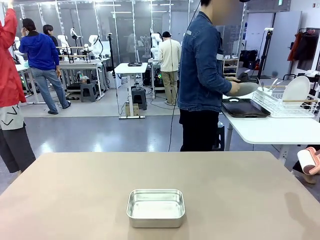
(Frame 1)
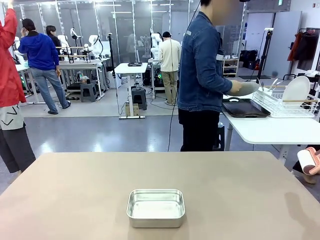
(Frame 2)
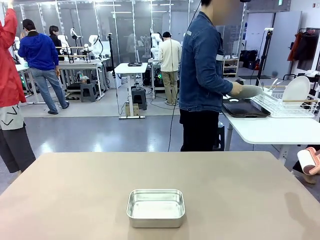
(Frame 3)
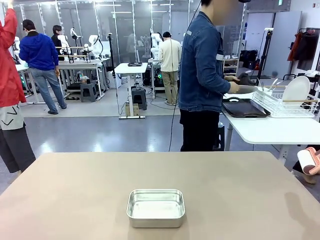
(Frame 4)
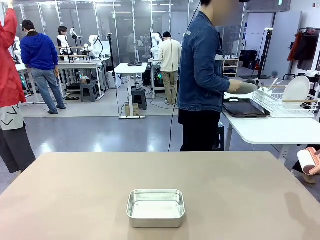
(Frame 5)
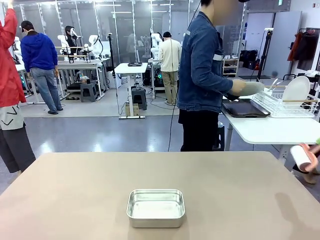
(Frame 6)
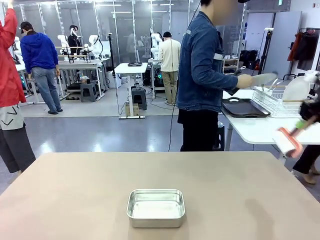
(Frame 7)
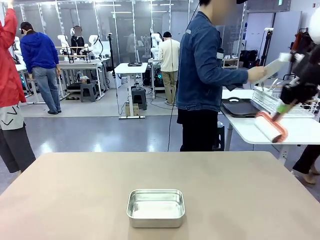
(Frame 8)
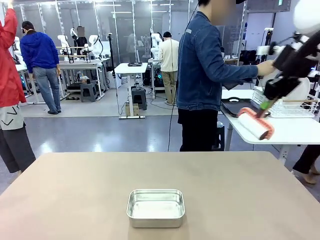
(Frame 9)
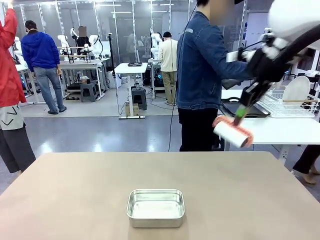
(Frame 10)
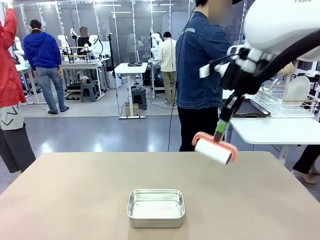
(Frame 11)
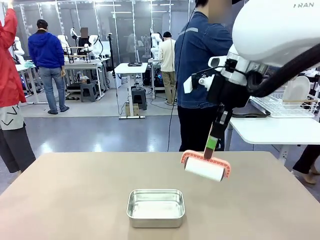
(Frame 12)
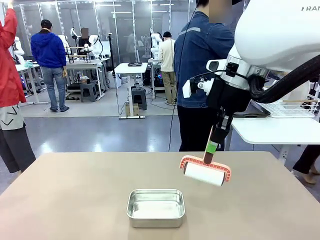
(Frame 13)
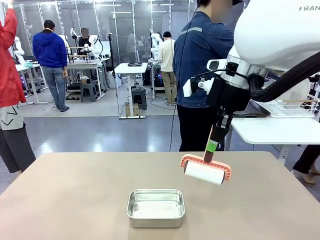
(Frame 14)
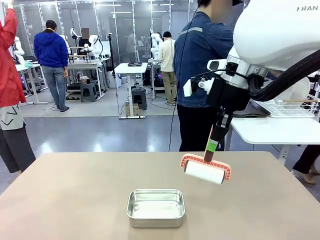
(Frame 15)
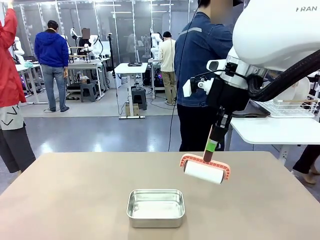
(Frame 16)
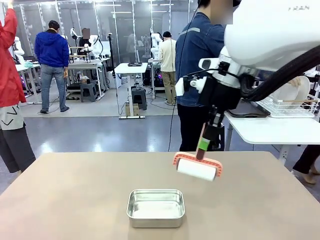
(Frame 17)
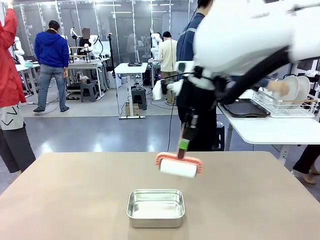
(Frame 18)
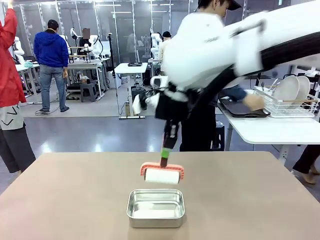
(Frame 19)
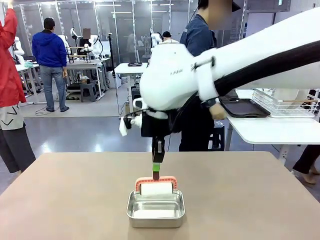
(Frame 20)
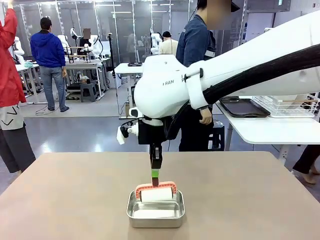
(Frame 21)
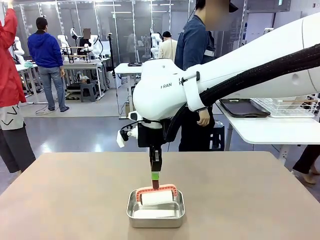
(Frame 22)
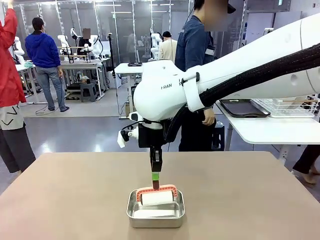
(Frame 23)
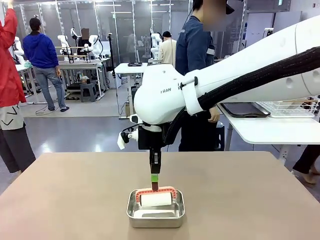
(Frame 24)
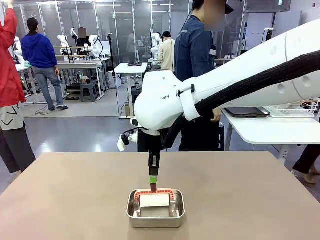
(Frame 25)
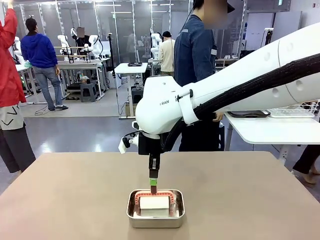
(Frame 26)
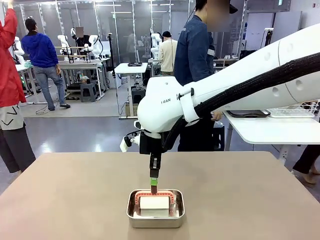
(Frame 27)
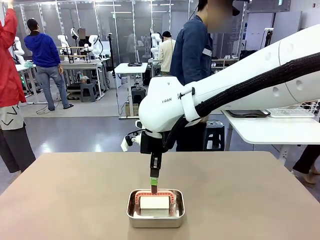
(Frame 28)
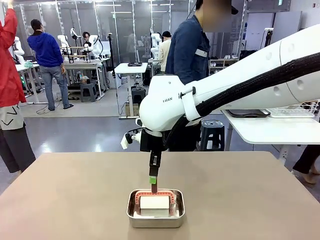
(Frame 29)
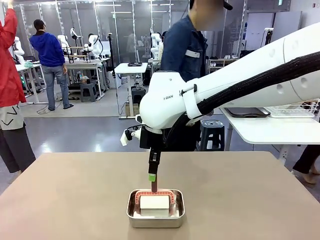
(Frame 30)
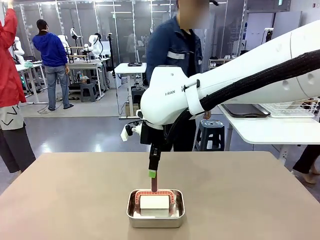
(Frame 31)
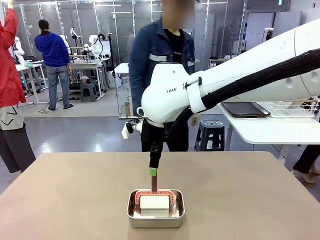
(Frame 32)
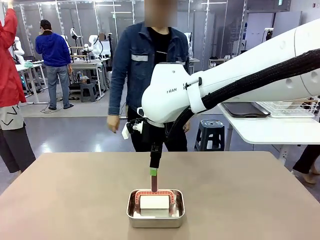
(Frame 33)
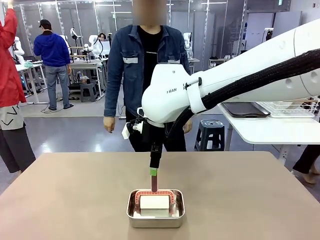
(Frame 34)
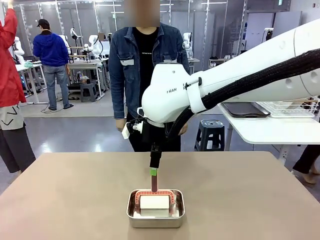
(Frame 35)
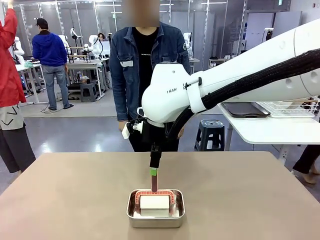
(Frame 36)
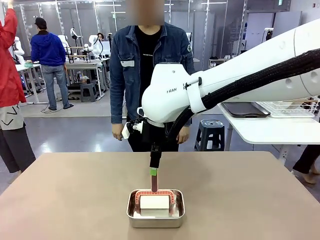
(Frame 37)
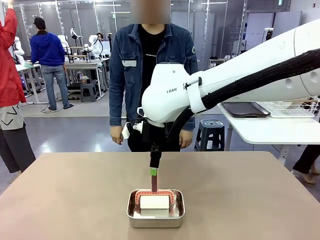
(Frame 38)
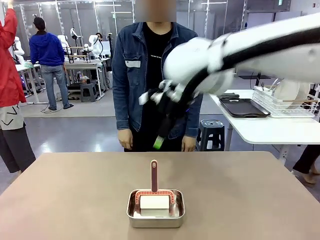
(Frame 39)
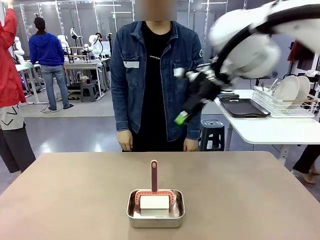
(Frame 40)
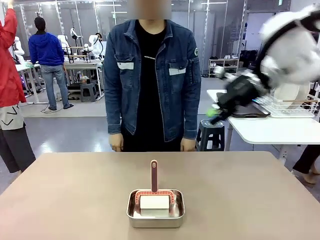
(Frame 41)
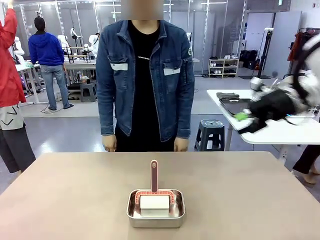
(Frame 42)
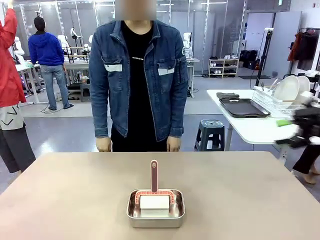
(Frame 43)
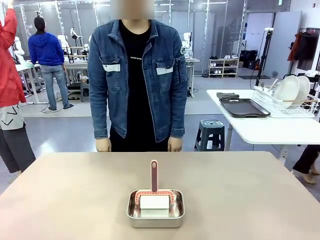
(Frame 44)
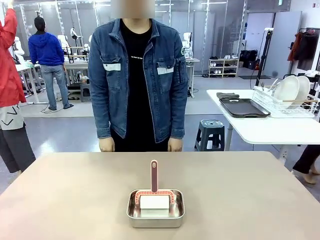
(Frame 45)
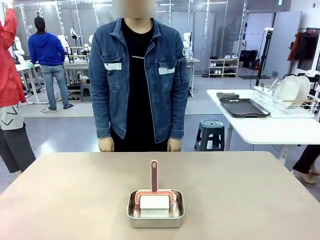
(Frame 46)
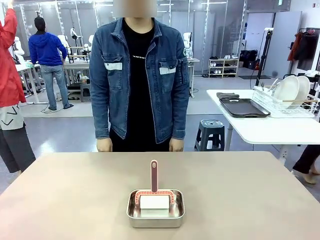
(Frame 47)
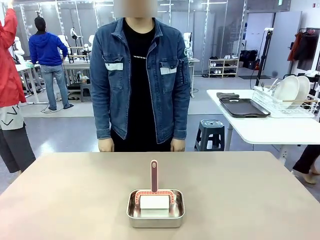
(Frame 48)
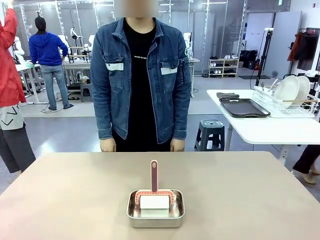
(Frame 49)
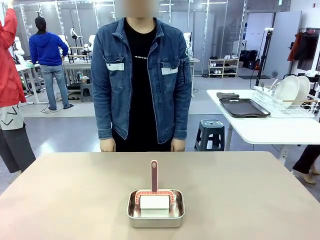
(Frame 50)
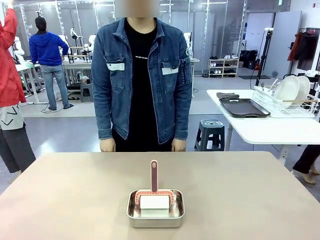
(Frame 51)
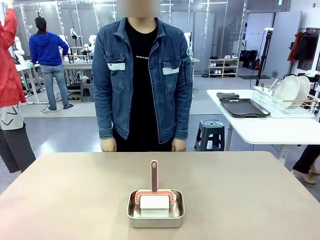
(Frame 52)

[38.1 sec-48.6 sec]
Robot: Place the Lint Roller back on top of the Airtight Container.

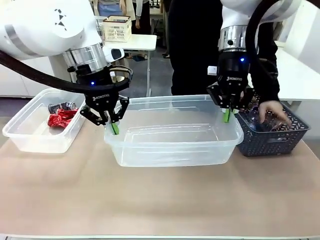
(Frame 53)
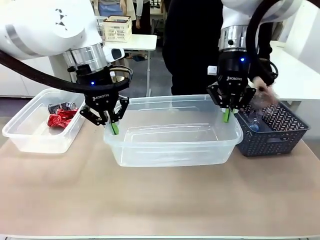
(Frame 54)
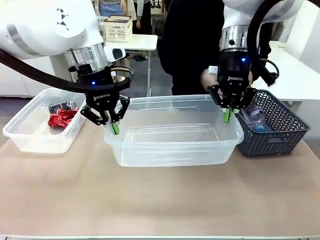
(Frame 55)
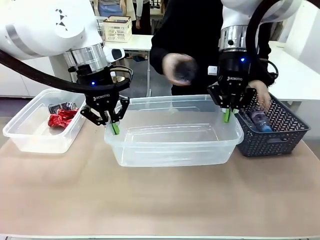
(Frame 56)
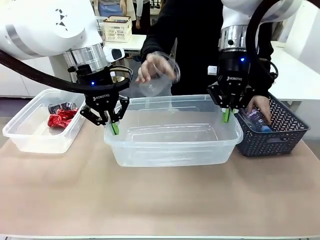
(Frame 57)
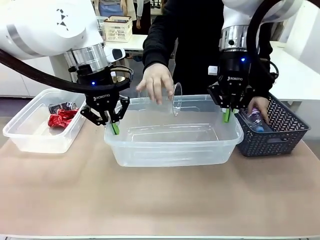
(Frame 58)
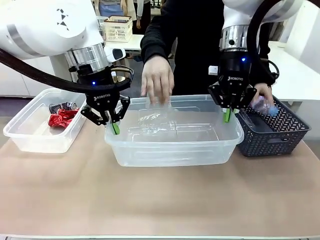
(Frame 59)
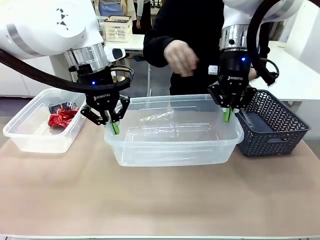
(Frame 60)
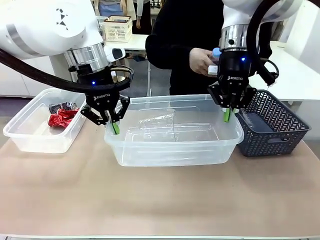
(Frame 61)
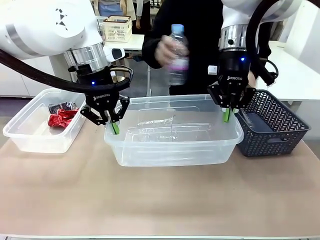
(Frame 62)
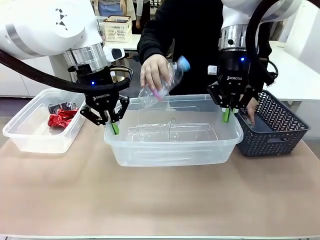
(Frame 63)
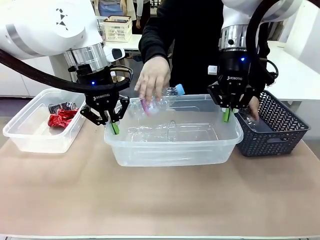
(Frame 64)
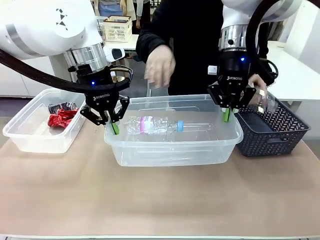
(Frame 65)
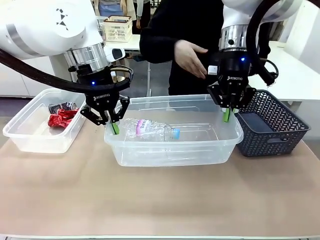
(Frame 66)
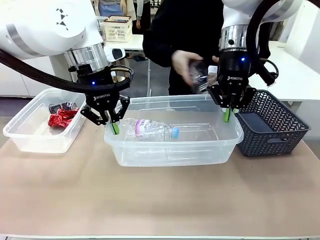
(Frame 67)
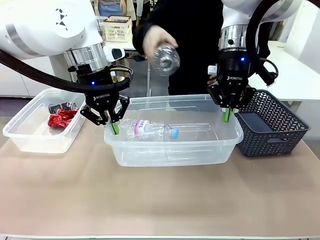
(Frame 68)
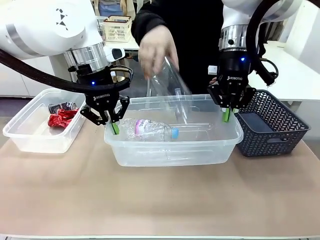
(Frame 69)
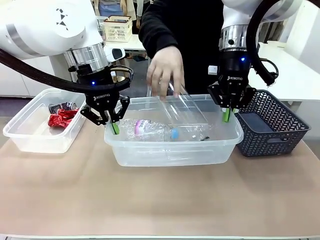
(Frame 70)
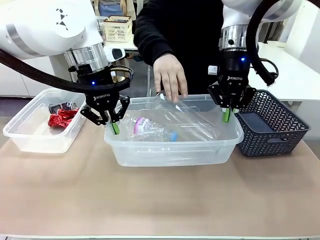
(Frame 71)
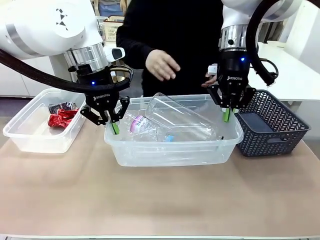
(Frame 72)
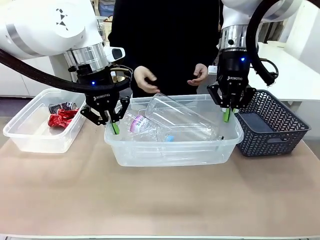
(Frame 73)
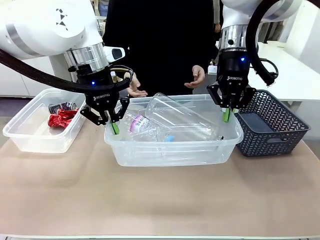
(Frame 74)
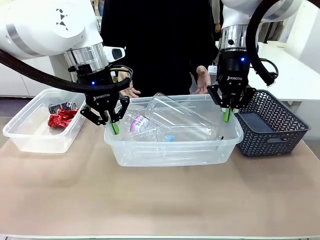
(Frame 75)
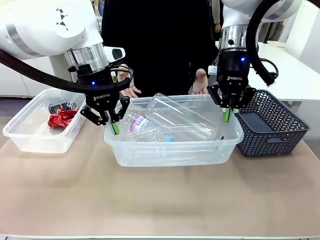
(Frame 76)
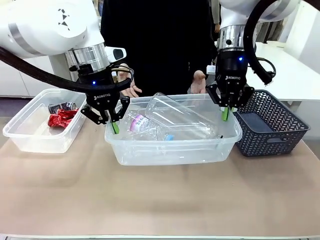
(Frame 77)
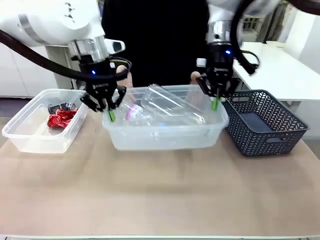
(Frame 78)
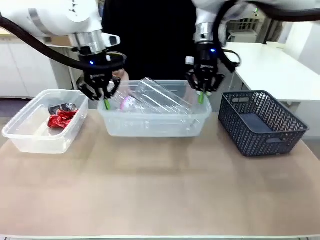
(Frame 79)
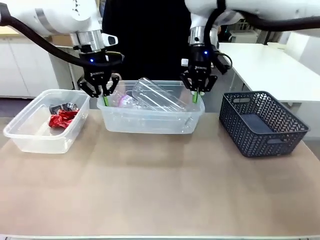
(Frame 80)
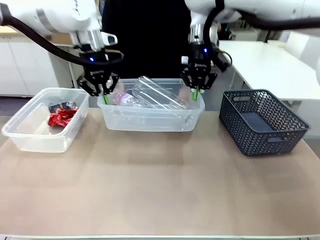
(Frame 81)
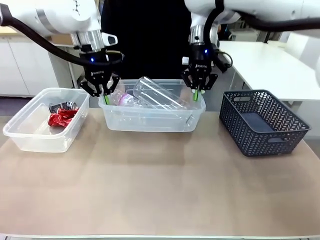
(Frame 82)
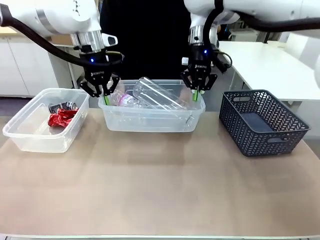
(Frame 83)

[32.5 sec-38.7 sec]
Robot: Offer the picked Organizing box to the human.

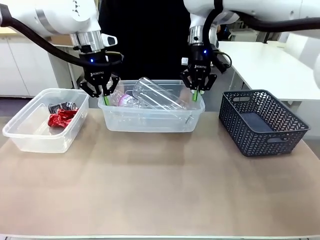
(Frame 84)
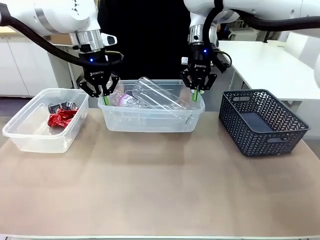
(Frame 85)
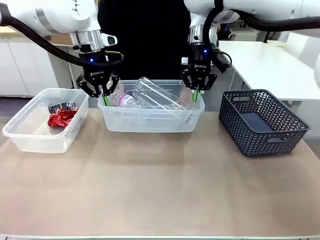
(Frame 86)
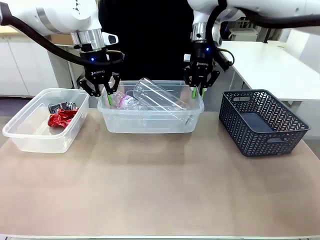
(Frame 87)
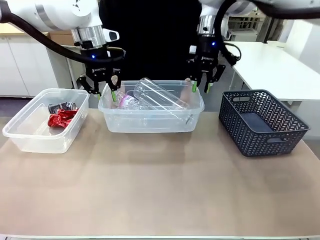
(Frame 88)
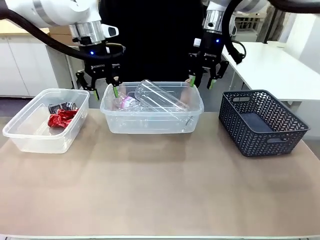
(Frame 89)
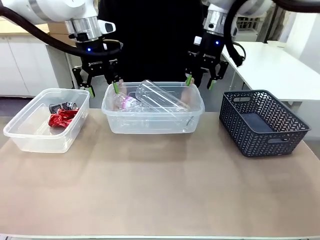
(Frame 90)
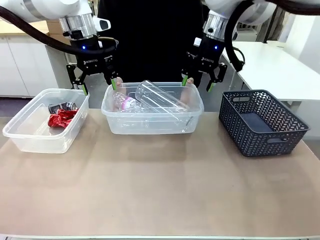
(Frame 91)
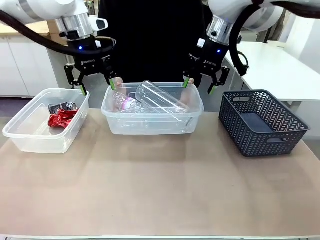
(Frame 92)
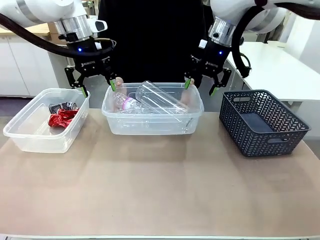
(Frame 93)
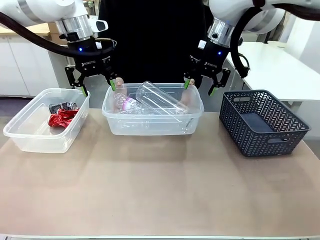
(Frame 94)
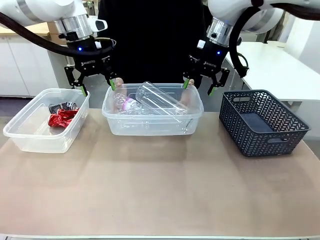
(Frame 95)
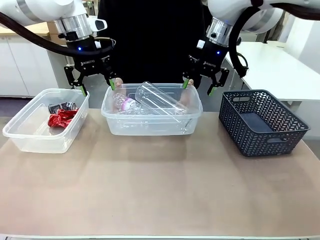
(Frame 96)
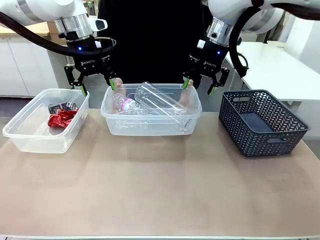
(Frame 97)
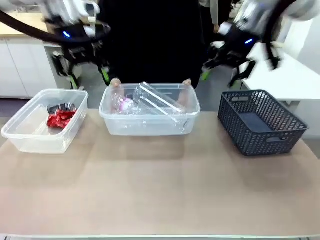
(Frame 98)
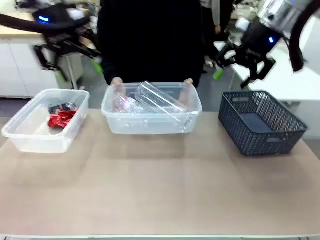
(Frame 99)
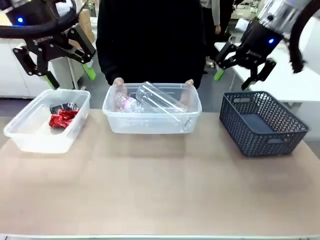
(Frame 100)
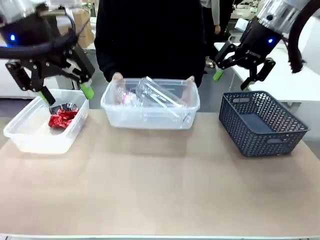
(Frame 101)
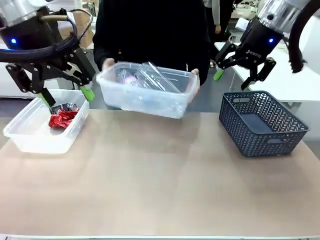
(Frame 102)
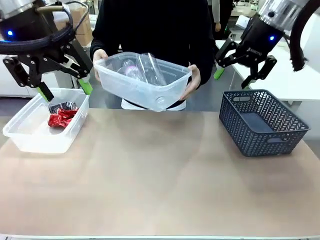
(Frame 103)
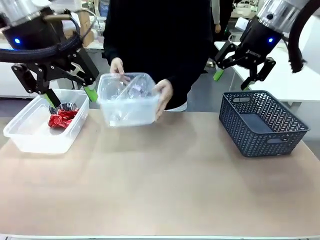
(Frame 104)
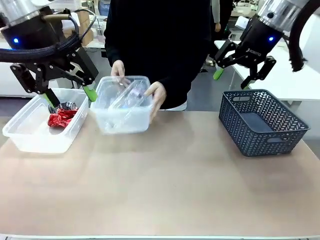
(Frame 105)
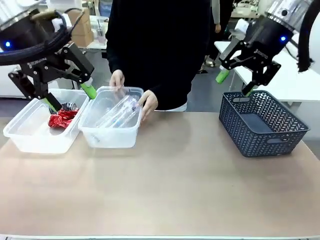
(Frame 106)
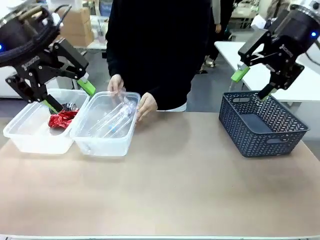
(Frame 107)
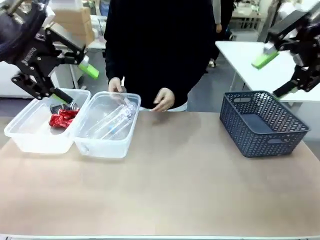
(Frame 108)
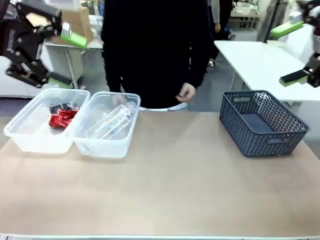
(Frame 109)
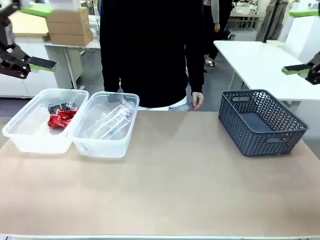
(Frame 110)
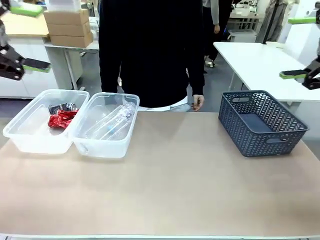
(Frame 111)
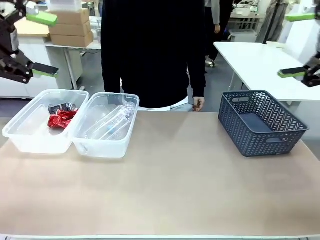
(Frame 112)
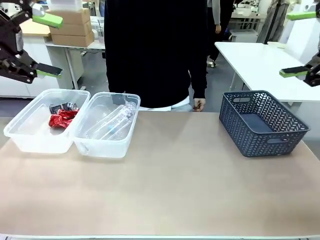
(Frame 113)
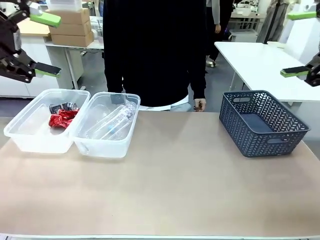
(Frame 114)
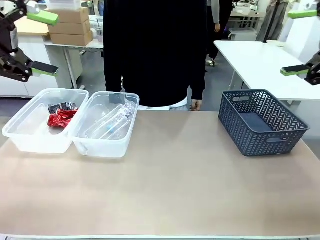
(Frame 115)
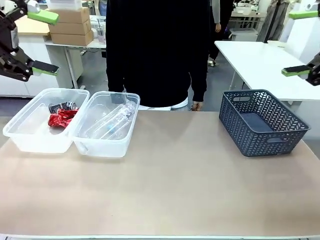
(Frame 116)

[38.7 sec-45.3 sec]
Robot: Release the Organizing box you were holding.
Person: Pick up the organizing box extended by the robot. Place the organizing box to the left of the sorting box containing the can waste.
